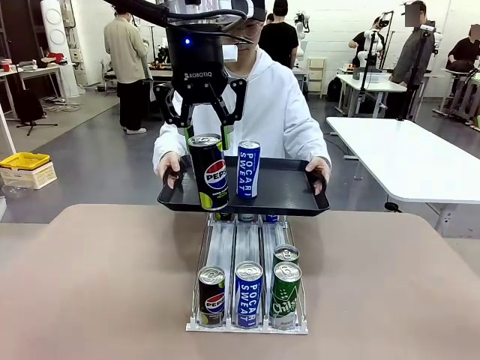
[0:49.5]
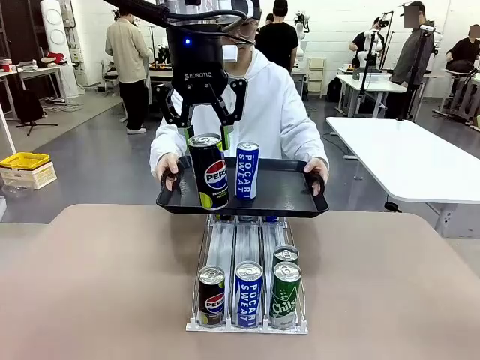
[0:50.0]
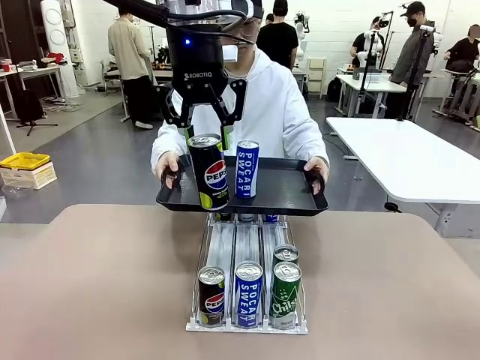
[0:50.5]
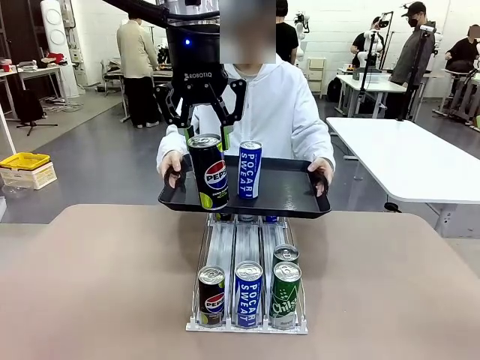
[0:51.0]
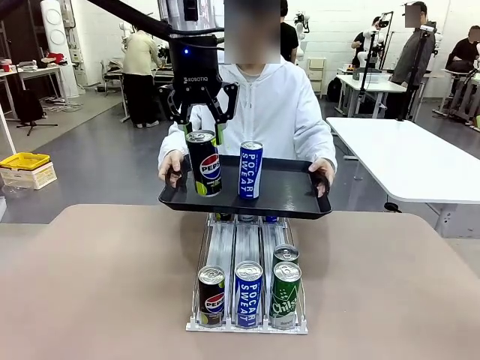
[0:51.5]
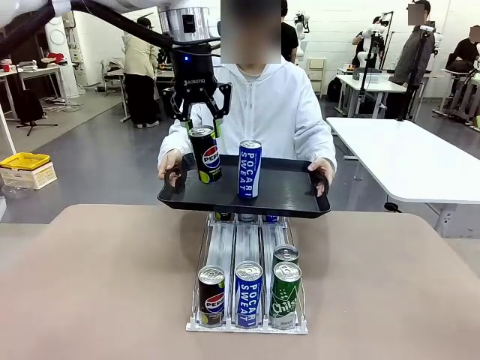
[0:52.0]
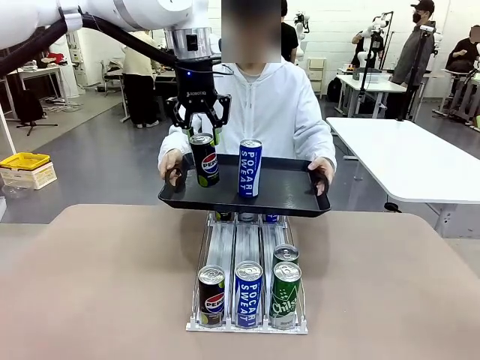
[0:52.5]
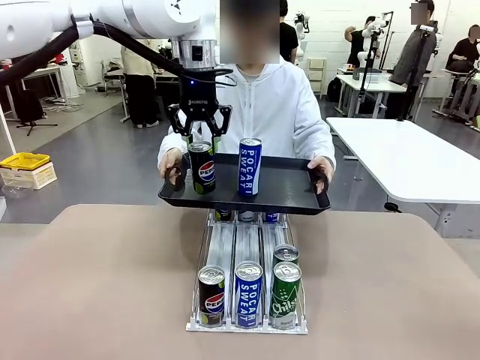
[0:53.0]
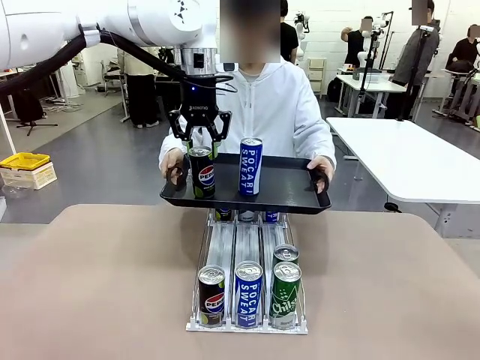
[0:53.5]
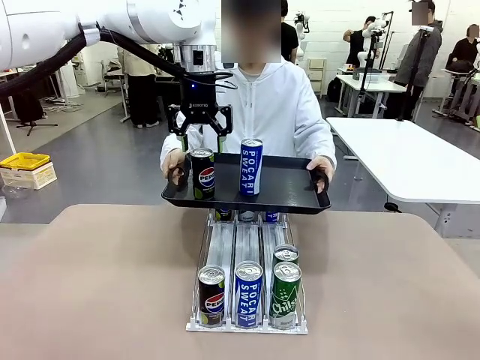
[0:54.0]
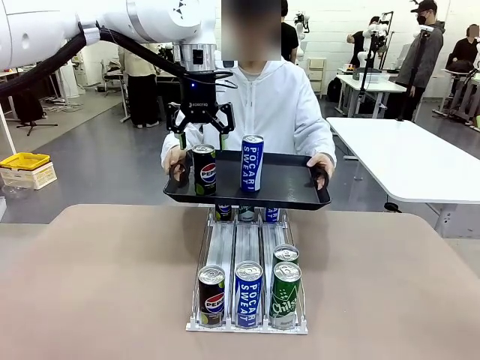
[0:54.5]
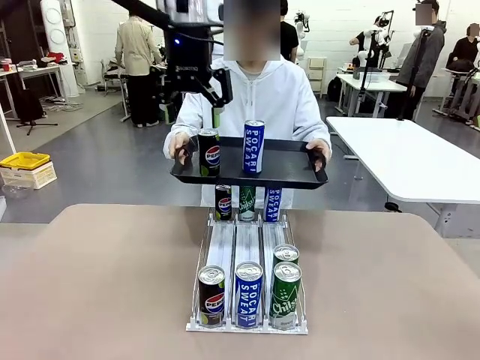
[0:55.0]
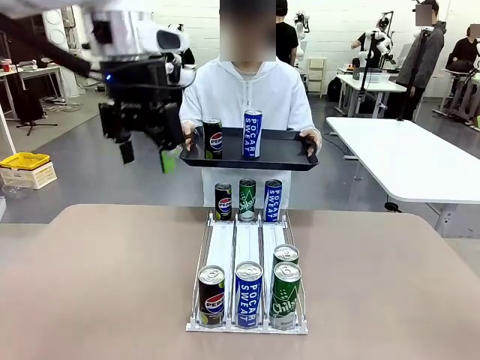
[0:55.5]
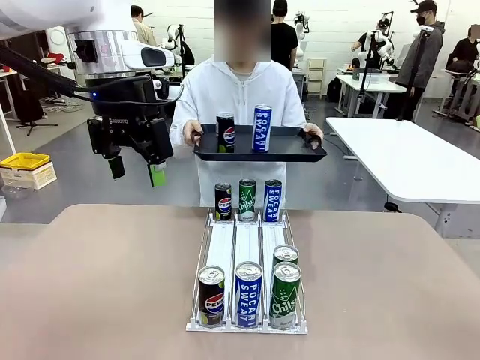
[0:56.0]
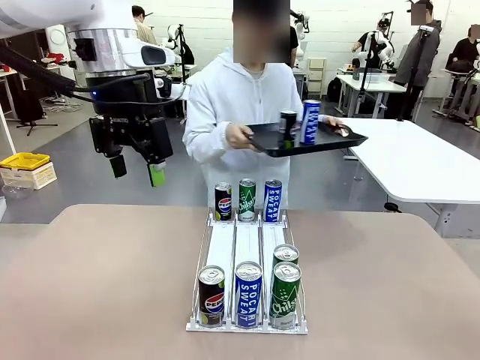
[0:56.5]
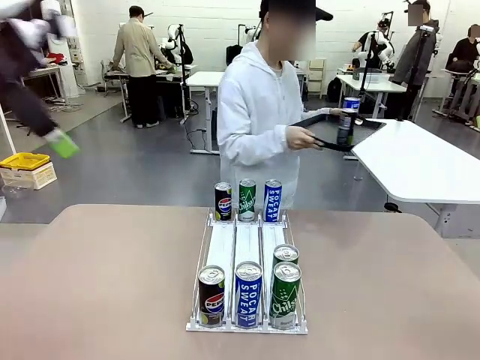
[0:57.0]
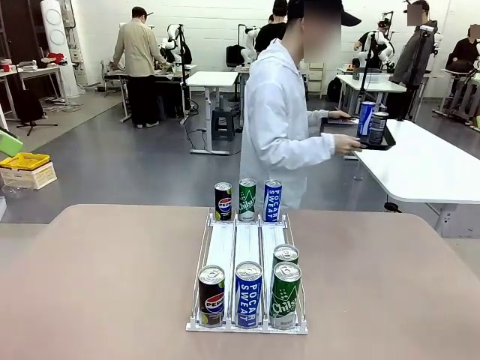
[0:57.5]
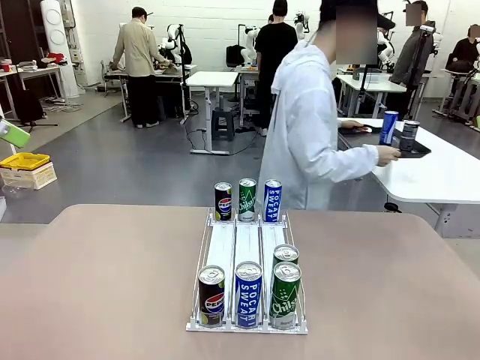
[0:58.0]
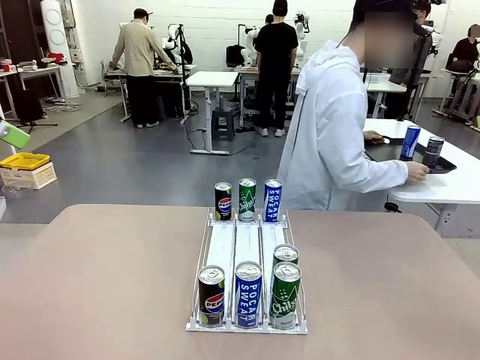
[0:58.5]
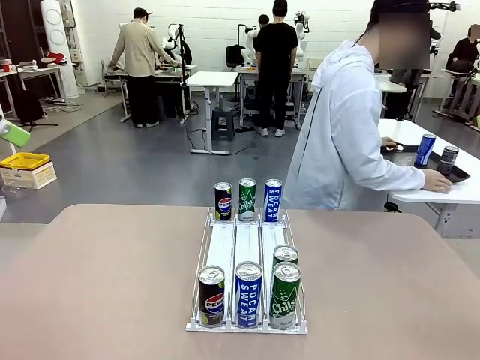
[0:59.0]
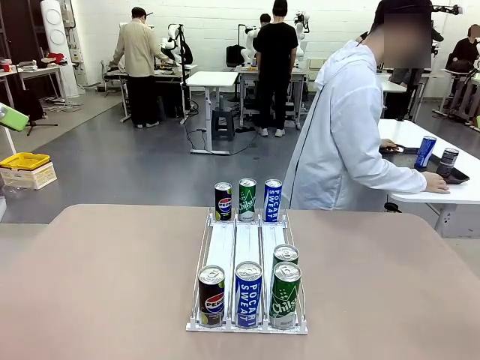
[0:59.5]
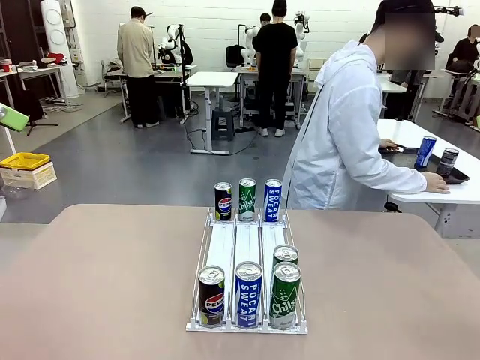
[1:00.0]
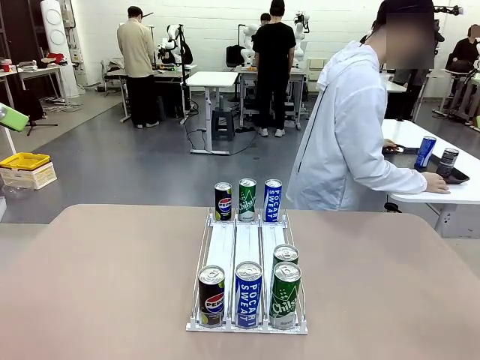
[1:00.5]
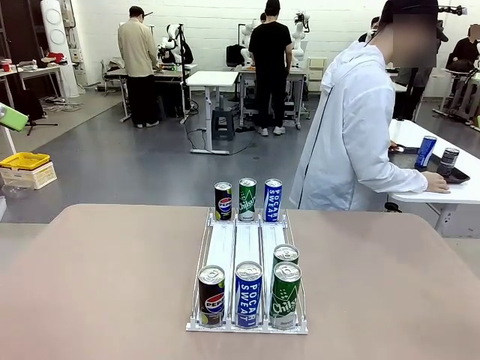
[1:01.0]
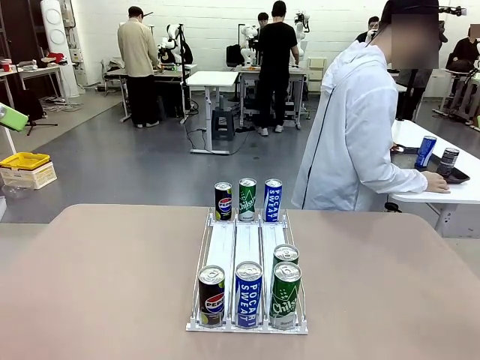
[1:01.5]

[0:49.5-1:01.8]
Task: Retrieve and hand over the desired beverage to the person.
Robot: Place the picked can on the Handle tray extended by the person.
Person: Pull the tray back and place it at the center of the human table.

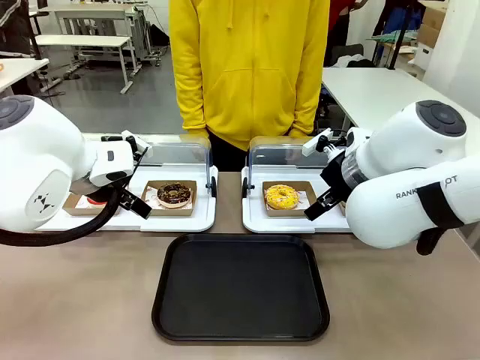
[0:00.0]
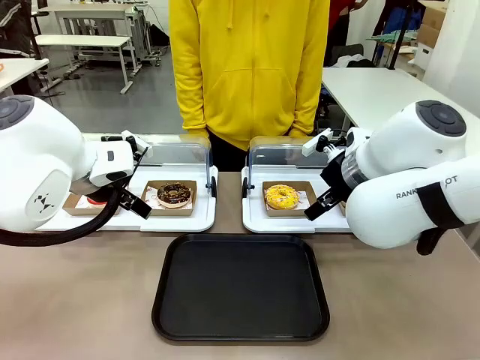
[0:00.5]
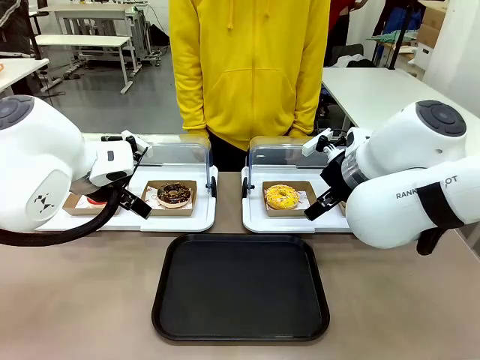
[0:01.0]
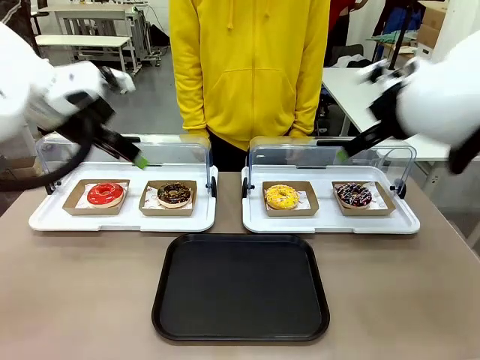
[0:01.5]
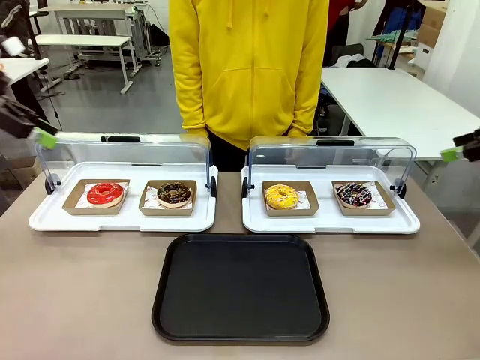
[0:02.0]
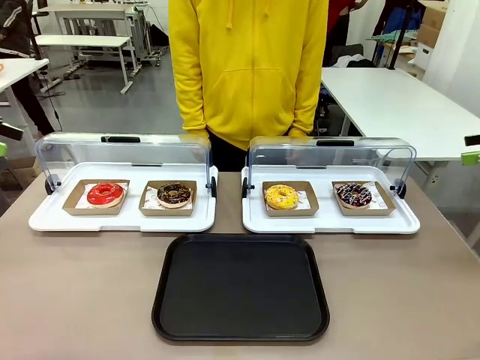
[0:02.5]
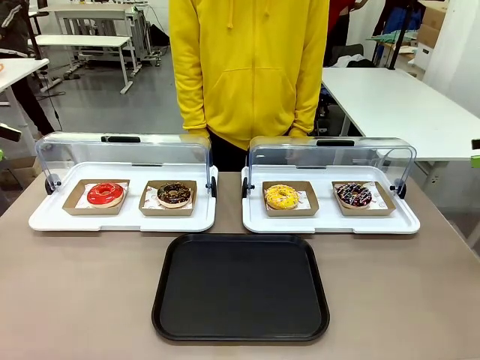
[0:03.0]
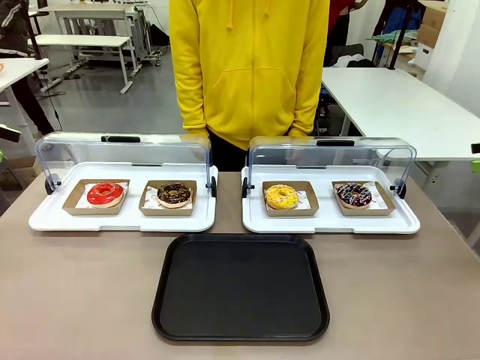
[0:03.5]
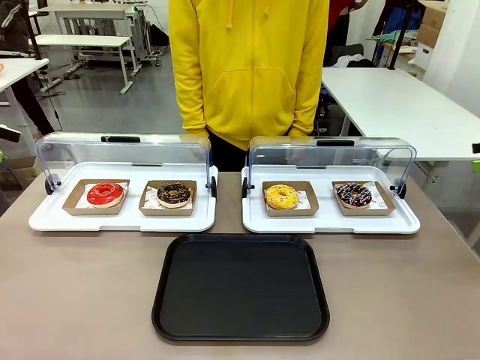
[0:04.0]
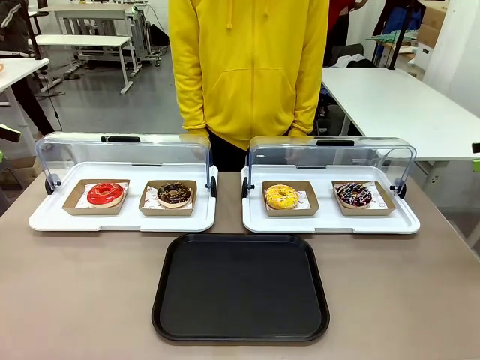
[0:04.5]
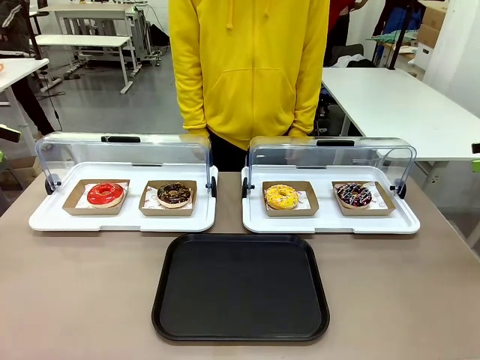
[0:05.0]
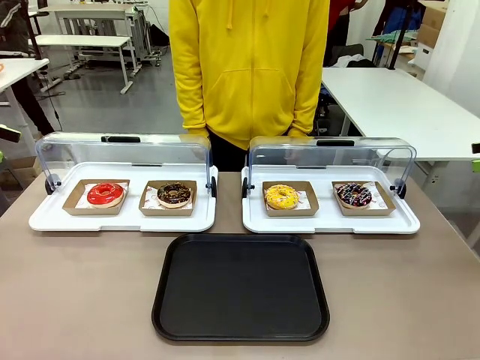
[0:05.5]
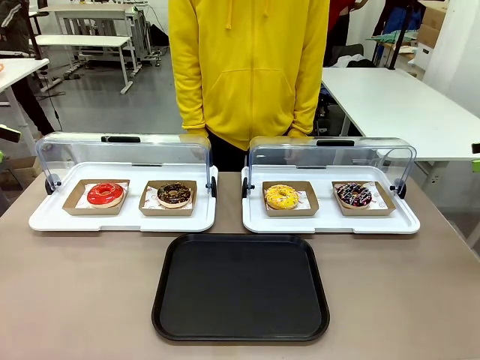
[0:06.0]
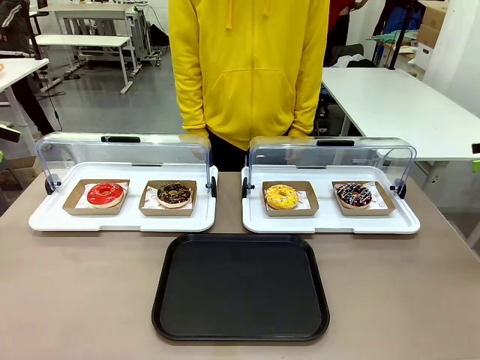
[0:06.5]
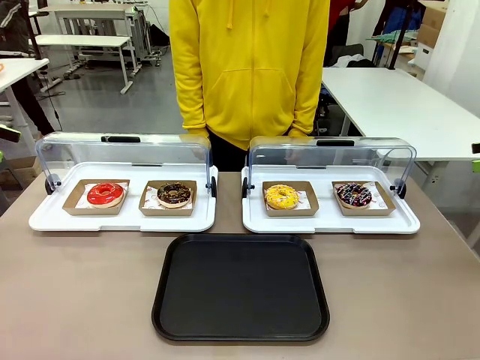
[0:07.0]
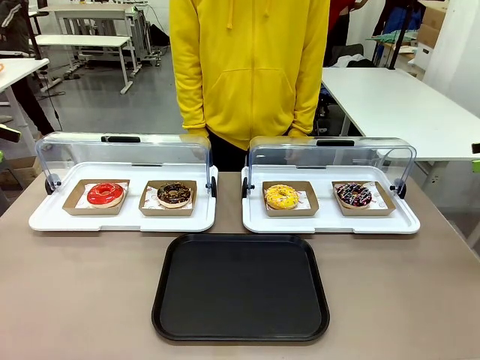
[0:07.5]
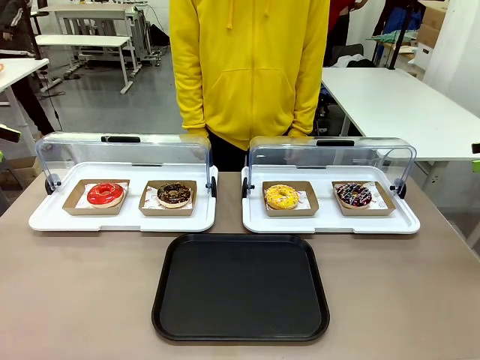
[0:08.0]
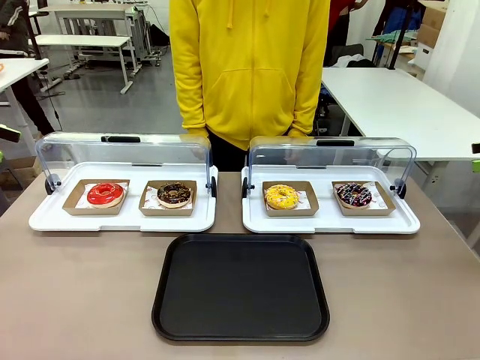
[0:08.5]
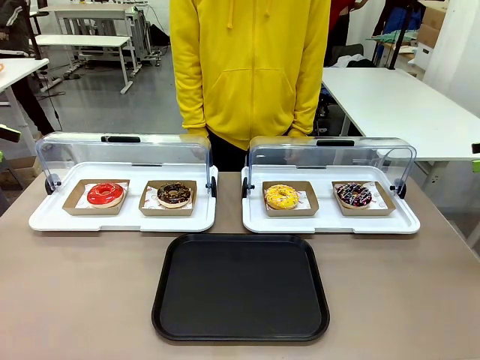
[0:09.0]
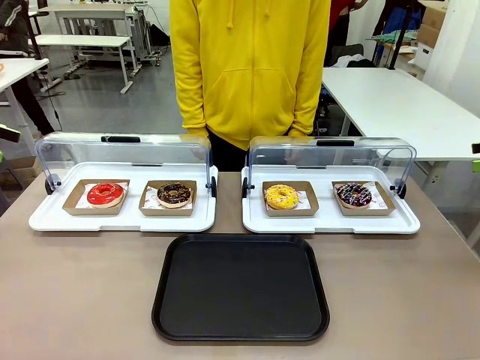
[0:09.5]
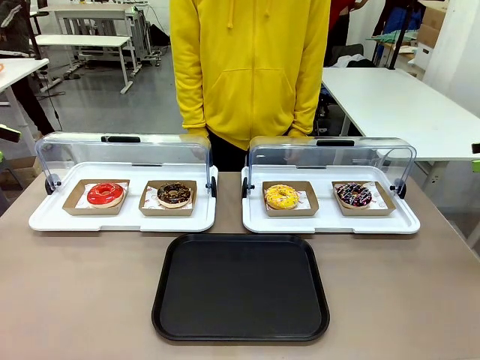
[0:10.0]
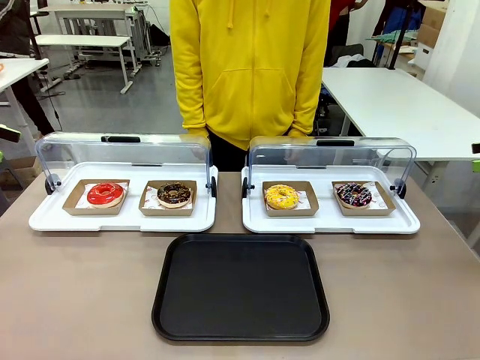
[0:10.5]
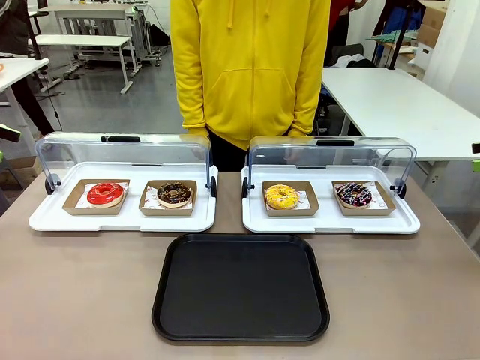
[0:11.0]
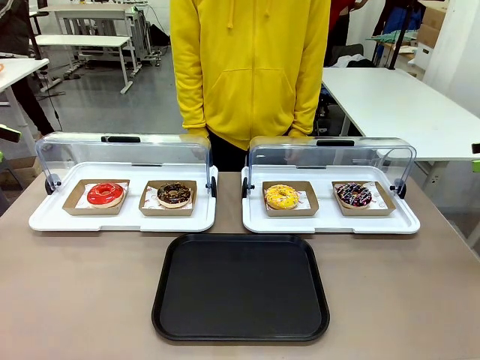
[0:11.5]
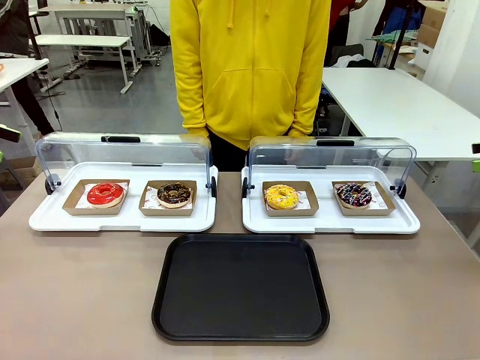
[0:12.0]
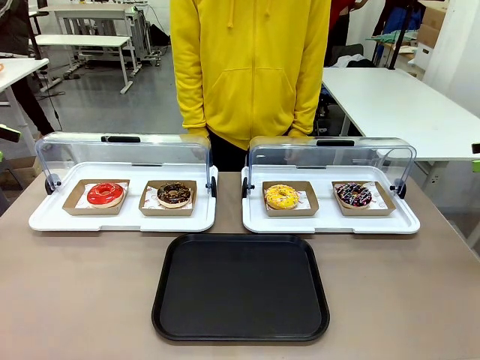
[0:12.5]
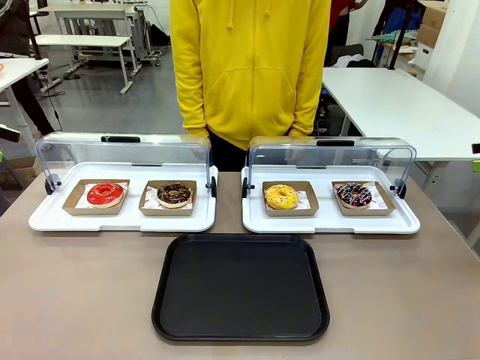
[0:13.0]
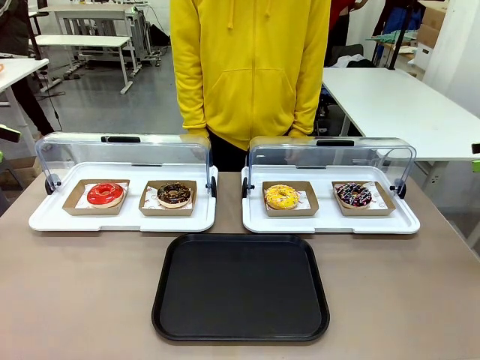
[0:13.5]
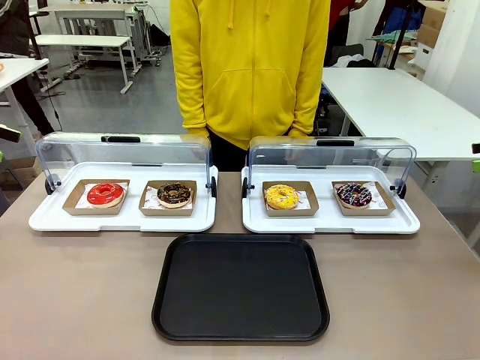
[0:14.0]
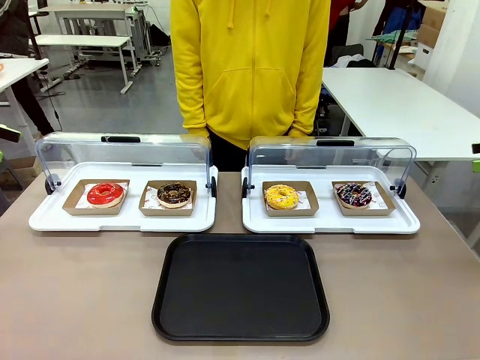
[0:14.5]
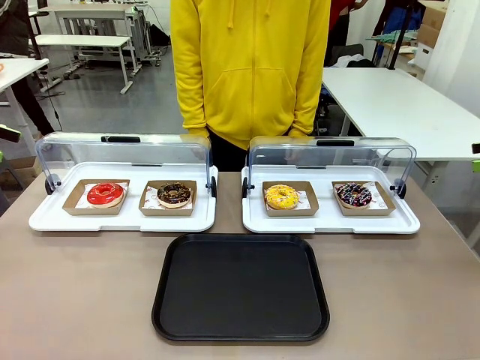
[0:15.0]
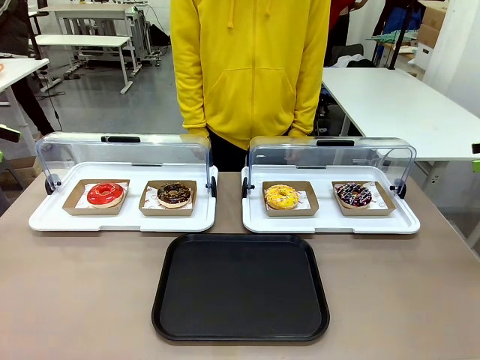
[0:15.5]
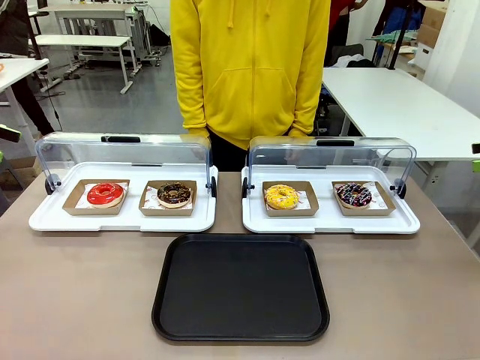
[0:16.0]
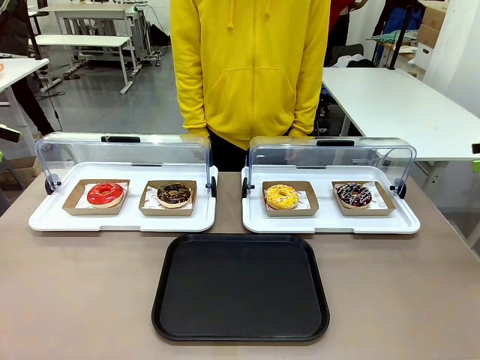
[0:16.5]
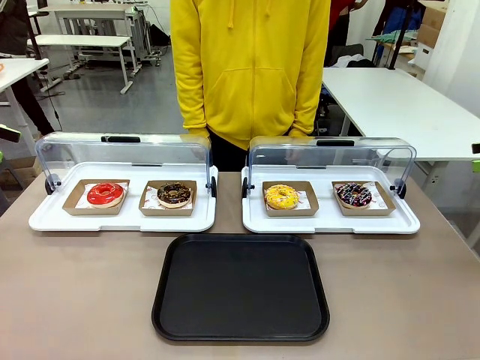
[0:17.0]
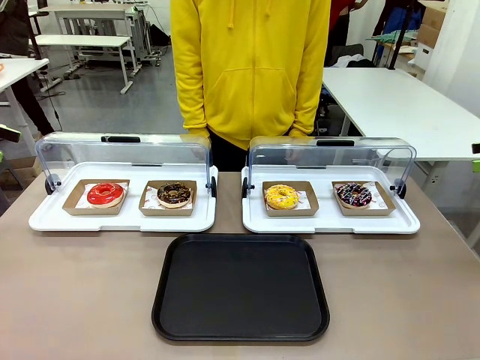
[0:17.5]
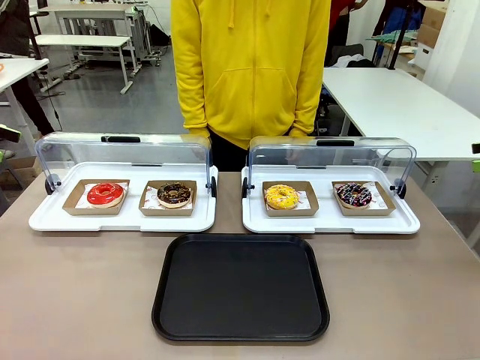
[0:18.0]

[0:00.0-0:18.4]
Task: Move the second donut from the left to the tray.
Robot: Pick up the Paper togo box containing the Donut indicated by the person and place it on the Handle tray.
